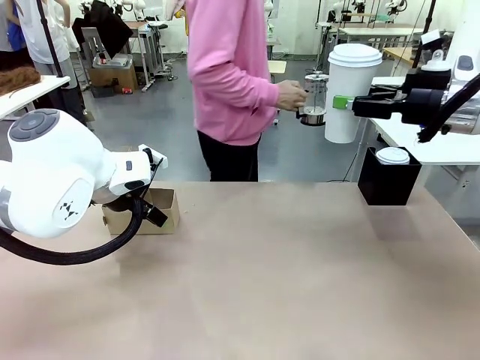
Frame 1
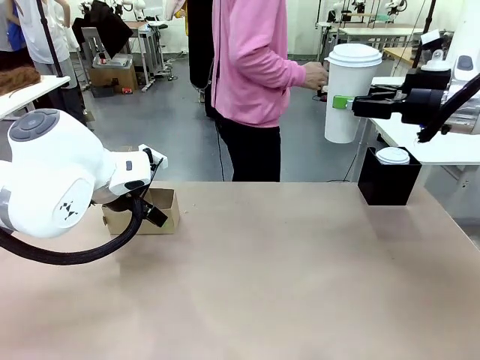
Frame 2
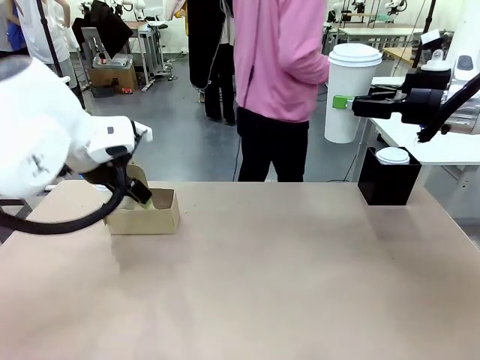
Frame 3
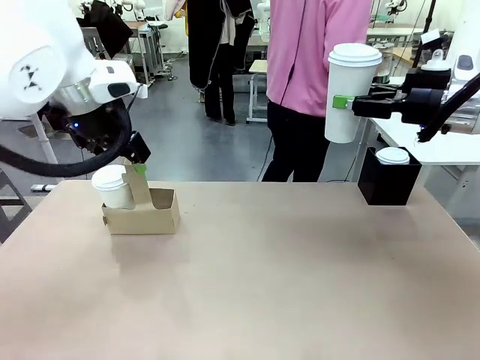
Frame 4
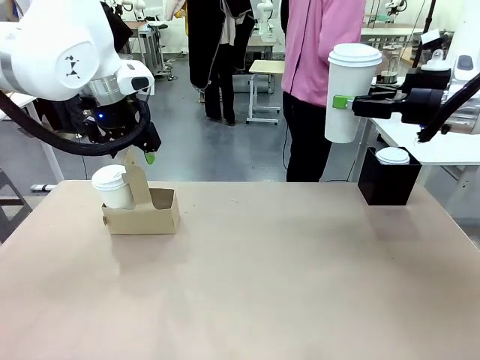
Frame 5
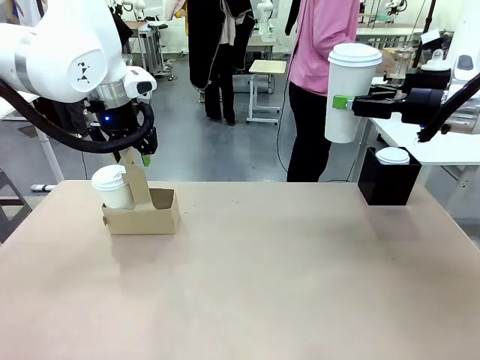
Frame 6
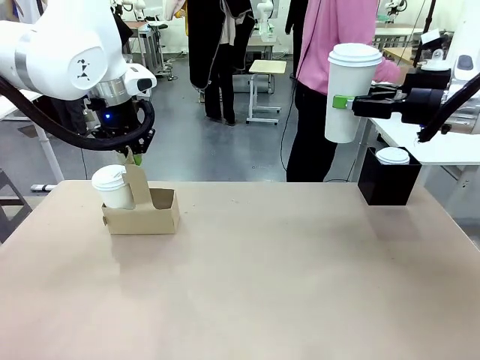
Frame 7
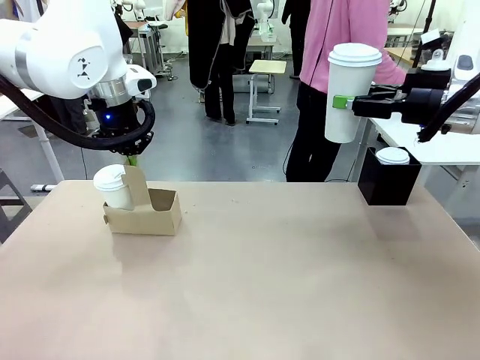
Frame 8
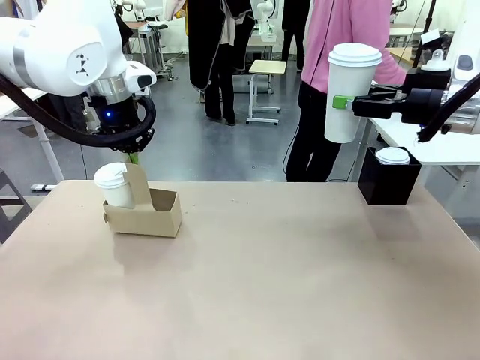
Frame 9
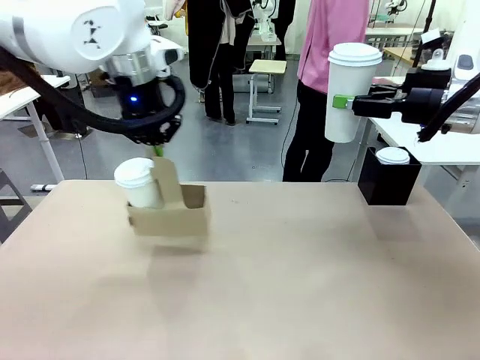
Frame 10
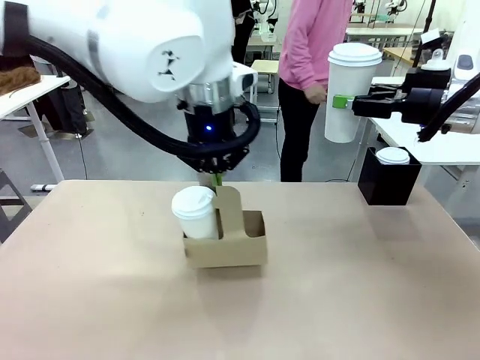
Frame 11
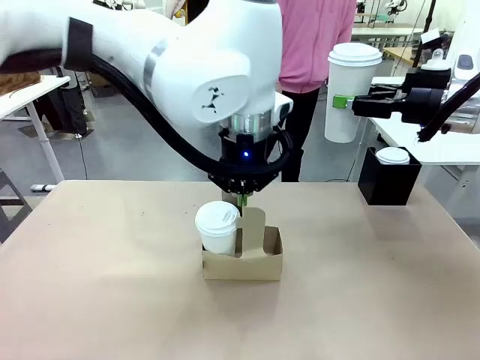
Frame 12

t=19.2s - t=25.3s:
Task: Pour a drink into a cup and package it in a carrier.
Robot: Position the Cup Carrier in the center of the table.

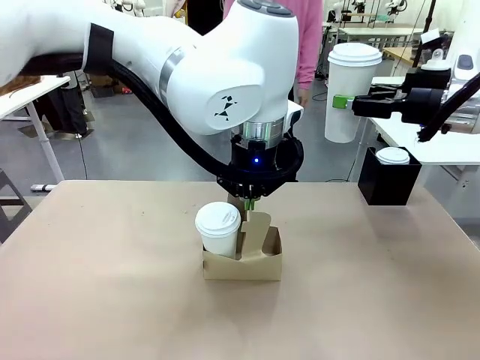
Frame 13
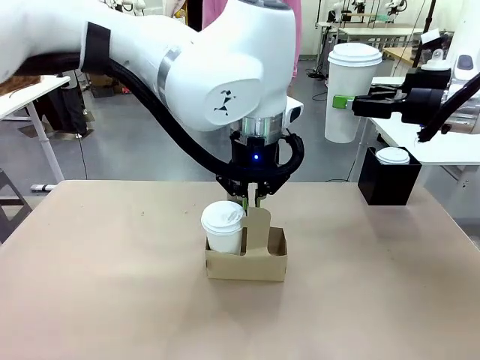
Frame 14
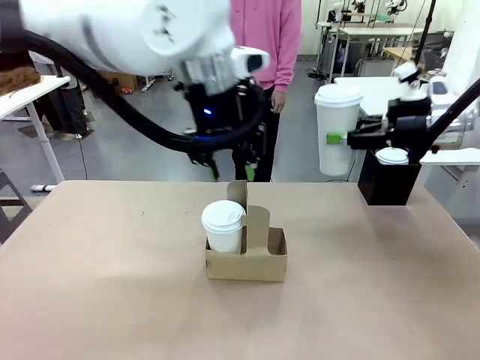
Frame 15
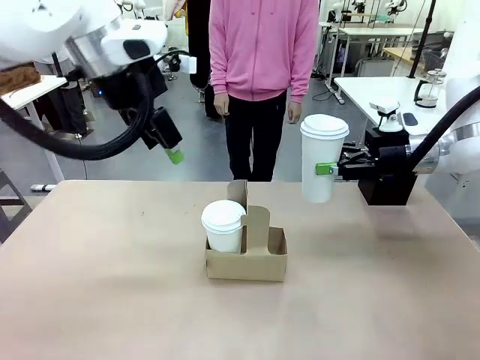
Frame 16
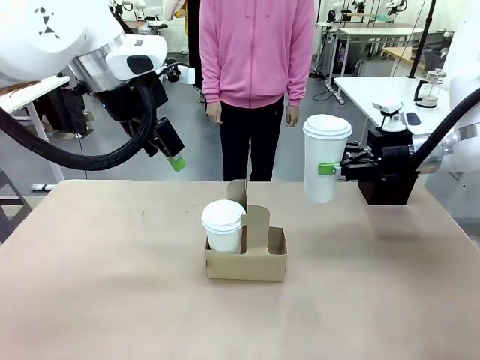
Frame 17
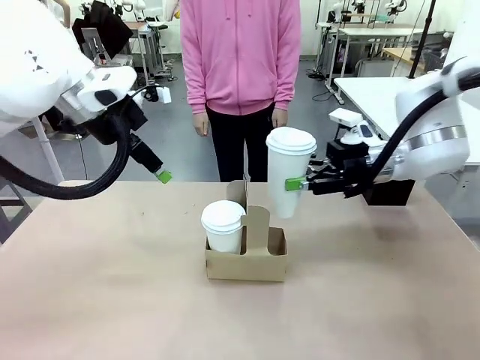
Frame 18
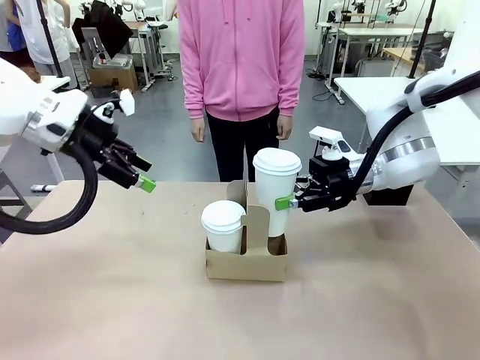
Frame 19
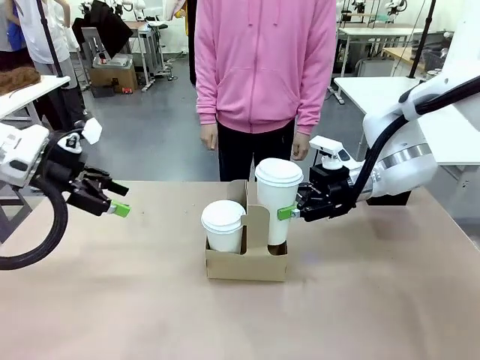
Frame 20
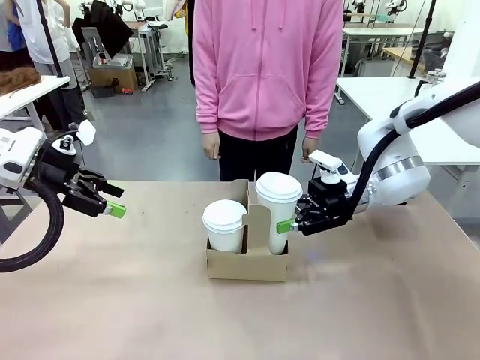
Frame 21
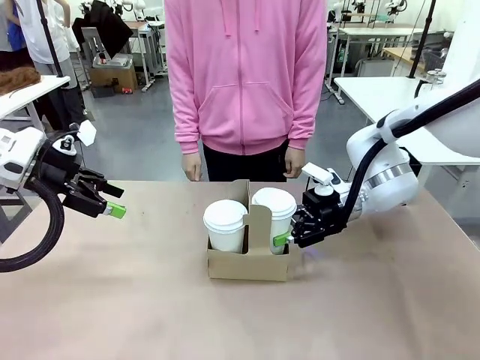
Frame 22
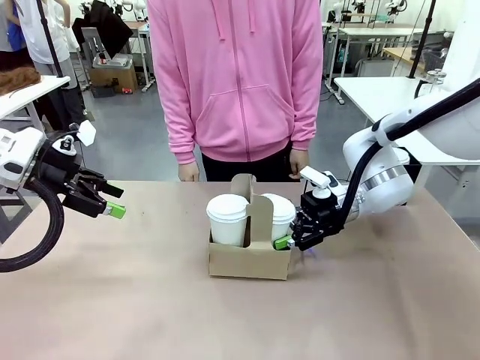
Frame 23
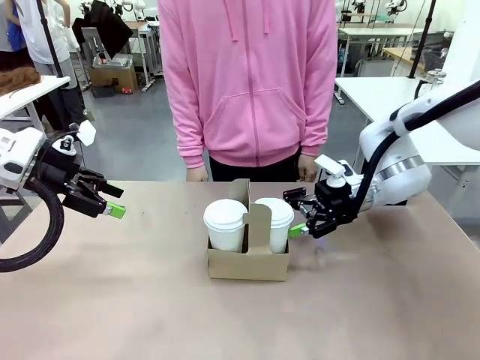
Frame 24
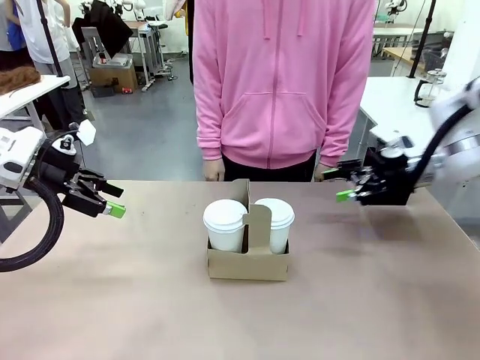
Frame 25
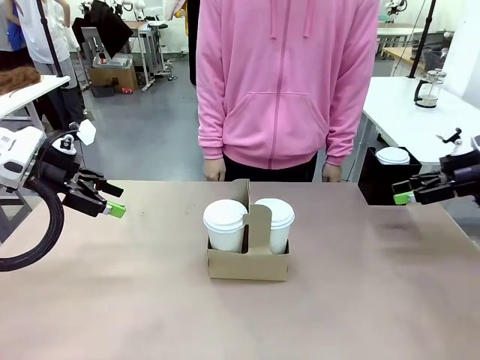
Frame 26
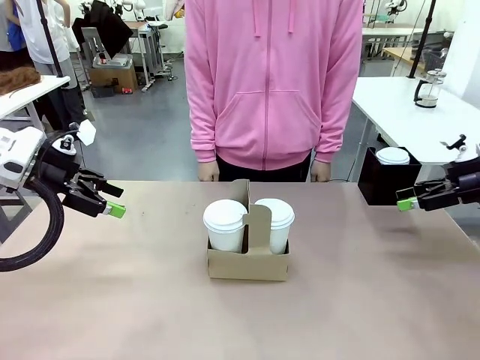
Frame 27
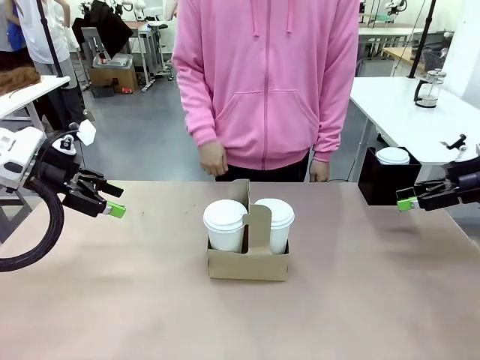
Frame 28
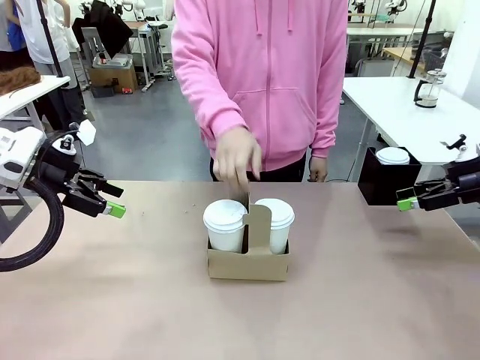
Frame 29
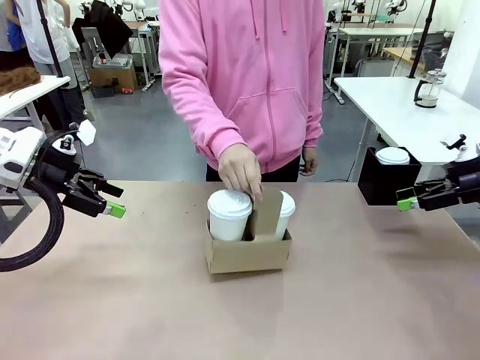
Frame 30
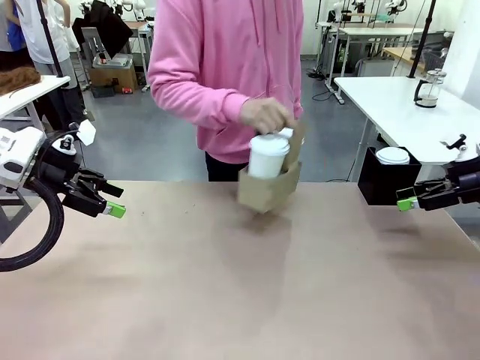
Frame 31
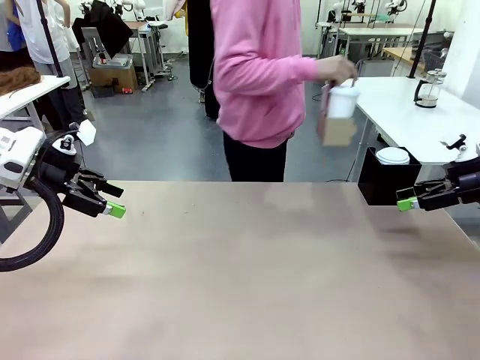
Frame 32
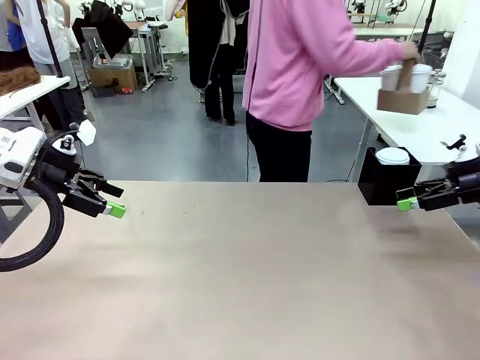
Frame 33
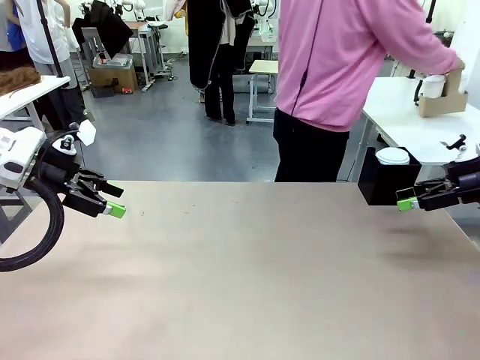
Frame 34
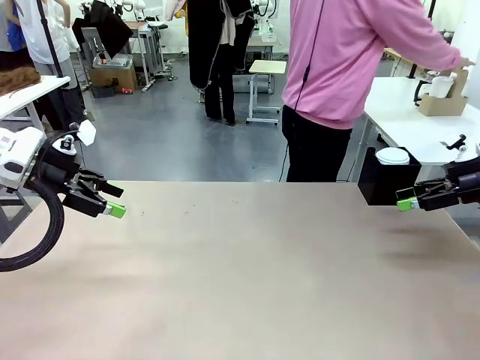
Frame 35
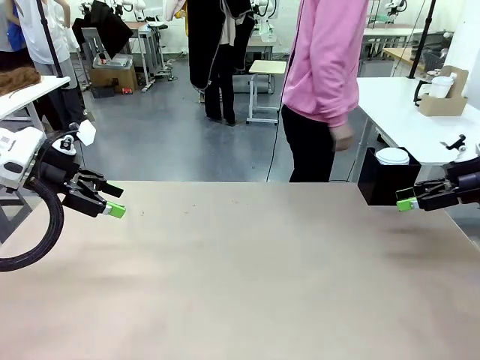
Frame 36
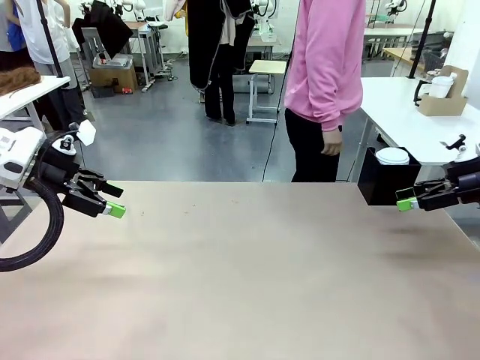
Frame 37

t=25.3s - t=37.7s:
Robot: Insert the held 600 ml Paper Cup into the Cup Carrier.
Person: Place the Cup Carrier to the middle of Human table.

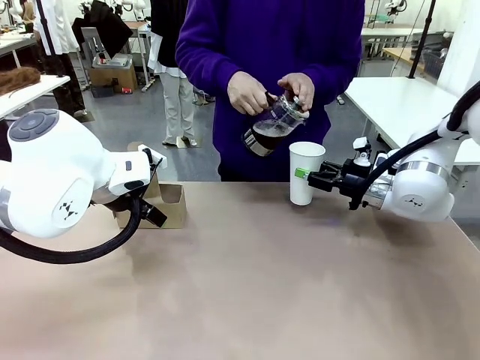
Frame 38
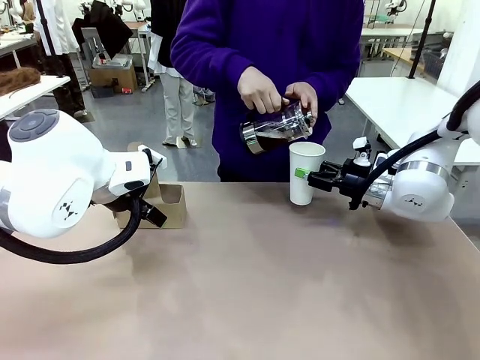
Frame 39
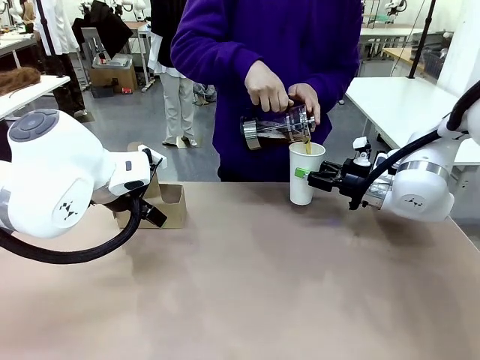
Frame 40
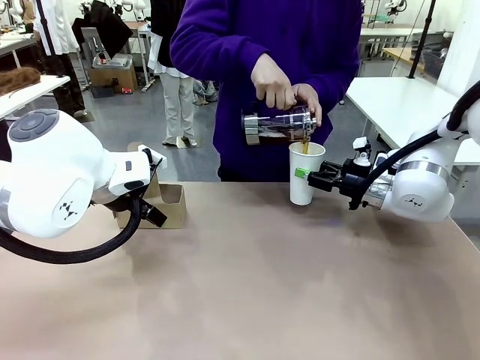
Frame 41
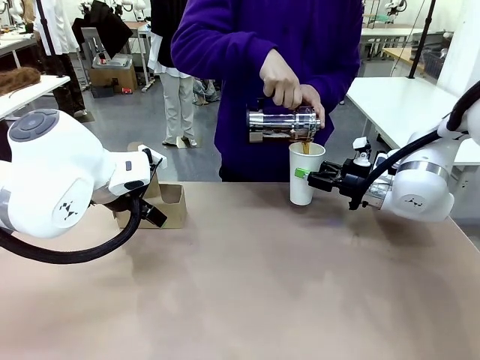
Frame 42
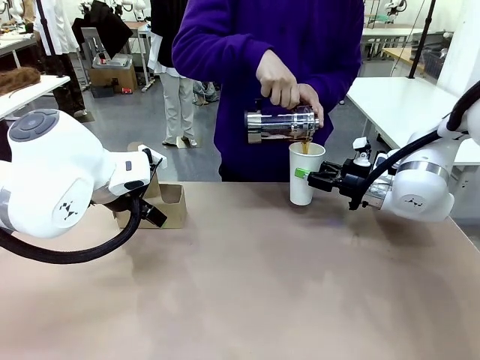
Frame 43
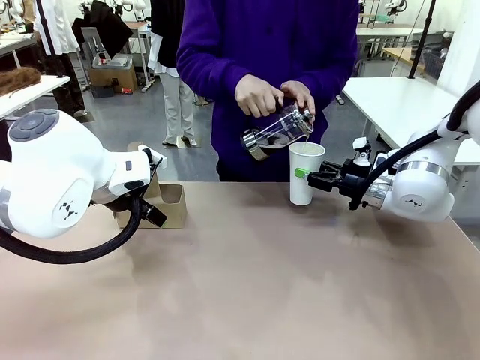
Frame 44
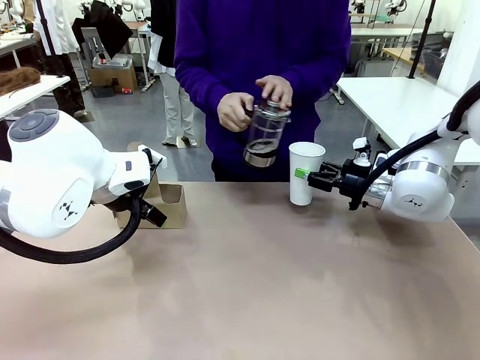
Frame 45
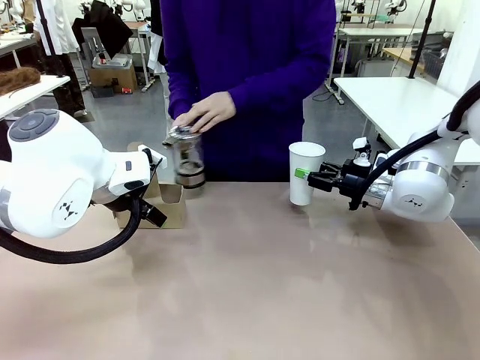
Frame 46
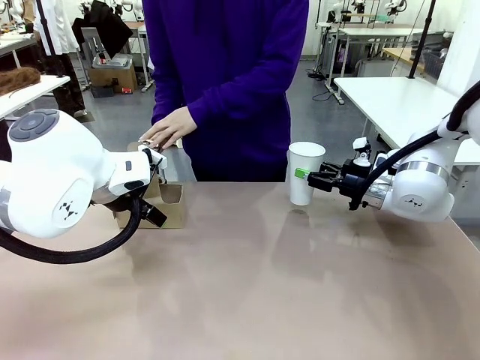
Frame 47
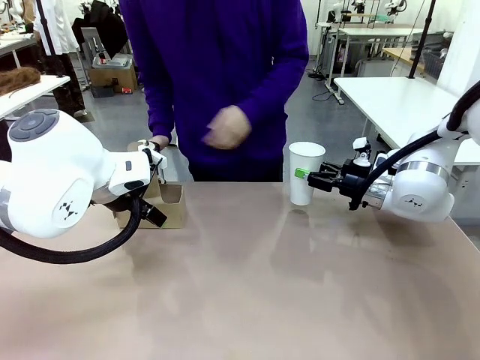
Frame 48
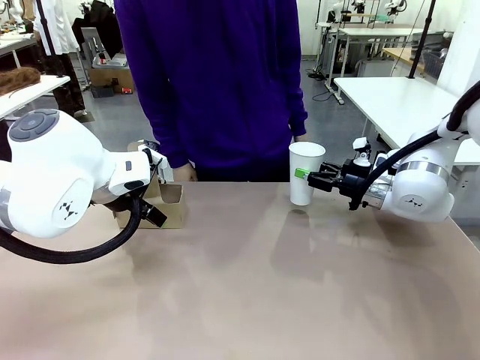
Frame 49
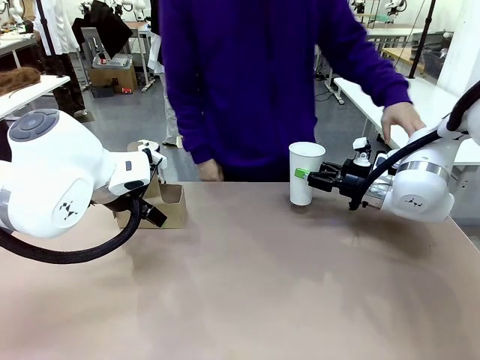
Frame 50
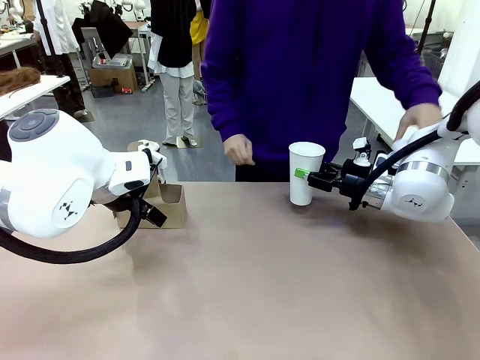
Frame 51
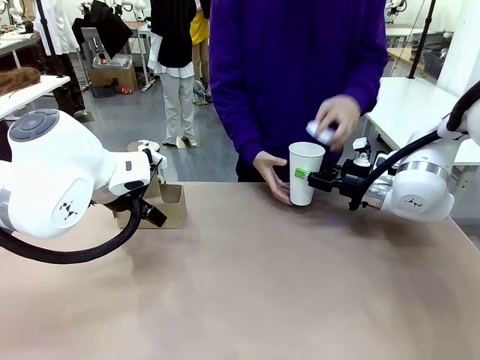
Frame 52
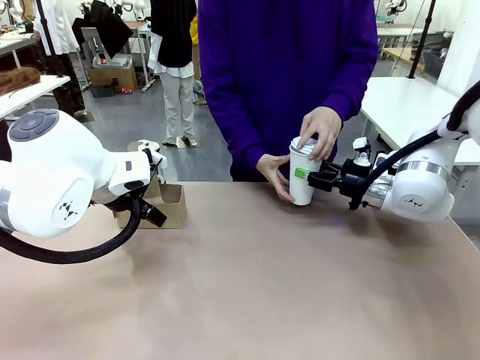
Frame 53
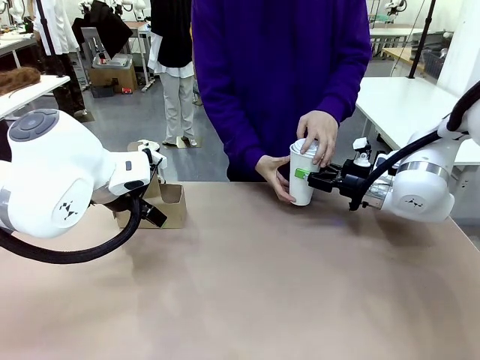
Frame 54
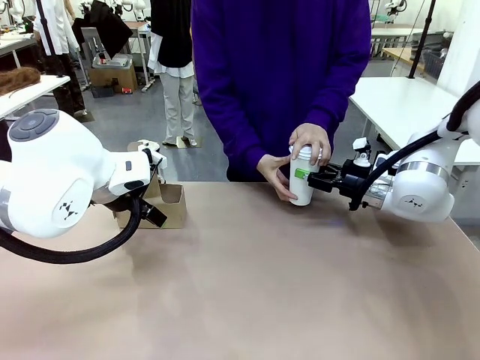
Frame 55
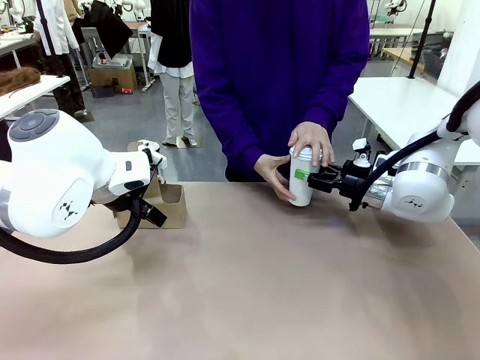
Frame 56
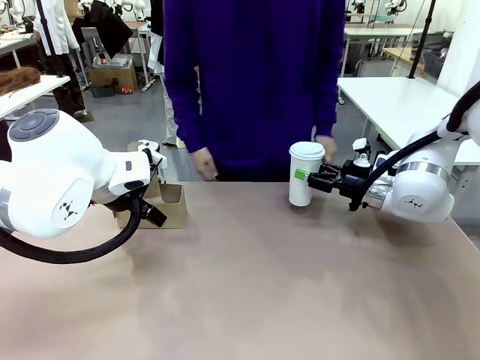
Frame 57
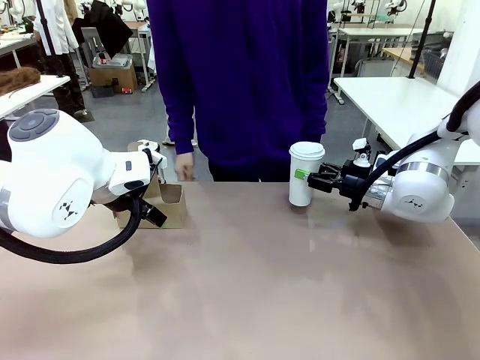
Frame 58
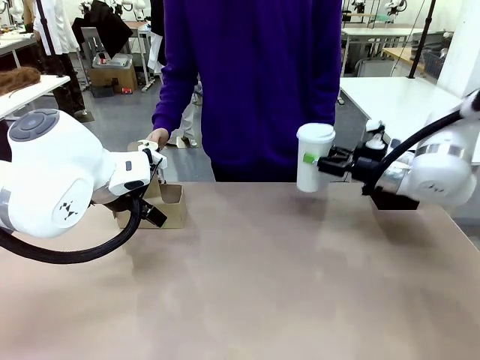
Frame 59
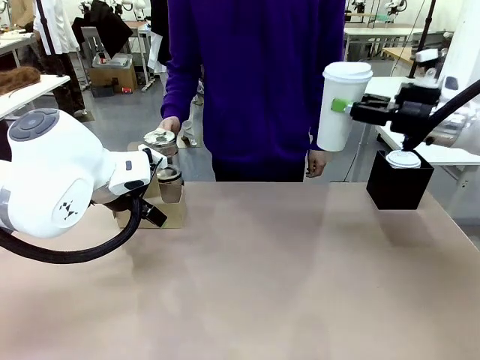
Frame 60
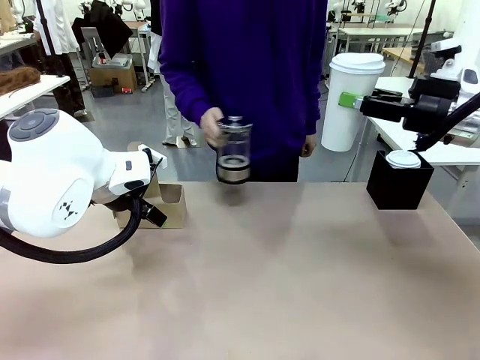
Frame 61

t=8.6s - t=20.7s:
Task: Pour a drink into a cup and package it in a carrier.
Robot: When a person places the Paper Cup Lid on the 600 ml Paper Cup , lift the 600 ml Paper Cup.
Person: Pour the drink from the Filter Brewing into the 600 ml Paper Cup. Place a Paper Cup Lid on the 600 ml Paper Cup.
